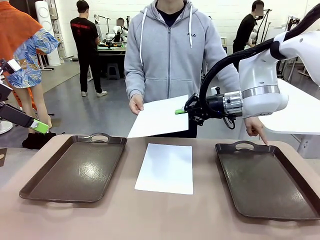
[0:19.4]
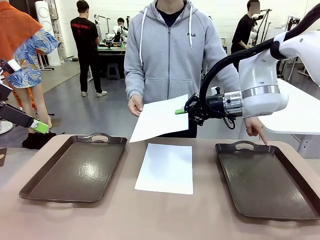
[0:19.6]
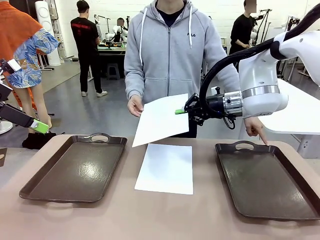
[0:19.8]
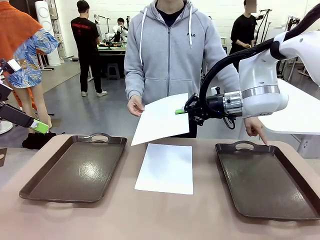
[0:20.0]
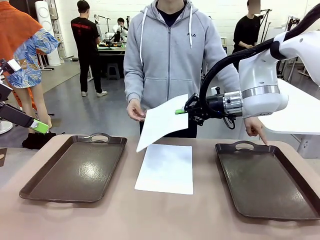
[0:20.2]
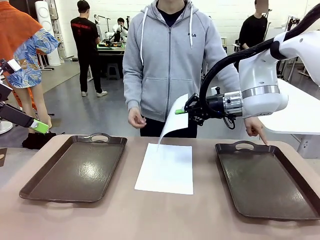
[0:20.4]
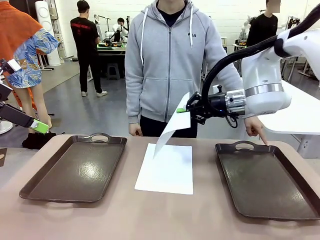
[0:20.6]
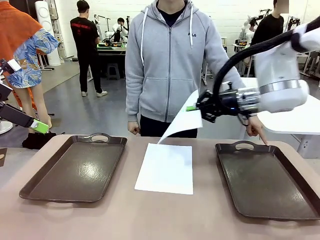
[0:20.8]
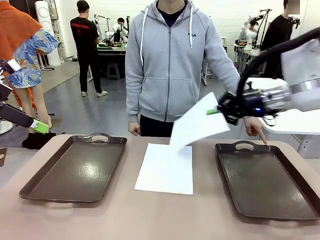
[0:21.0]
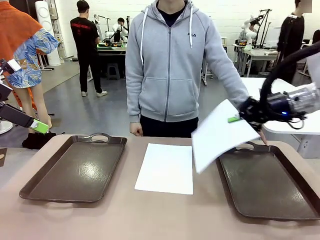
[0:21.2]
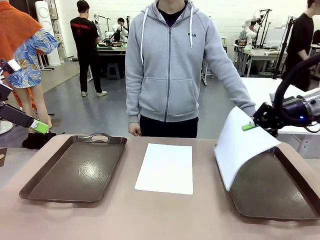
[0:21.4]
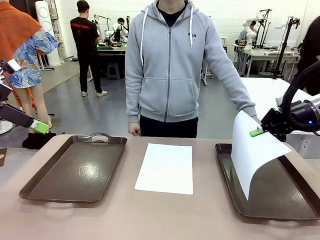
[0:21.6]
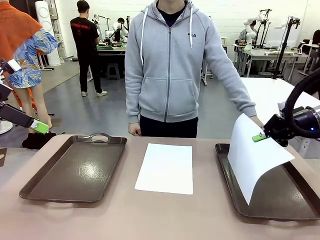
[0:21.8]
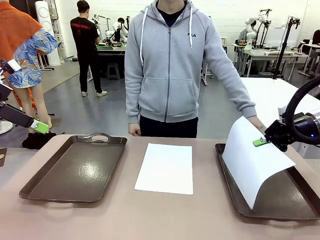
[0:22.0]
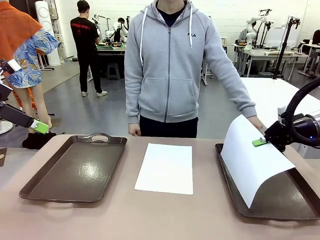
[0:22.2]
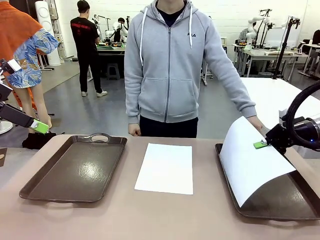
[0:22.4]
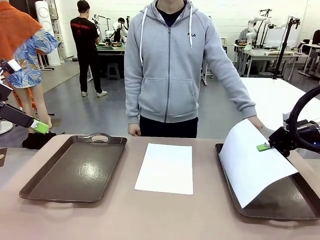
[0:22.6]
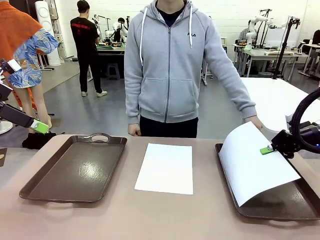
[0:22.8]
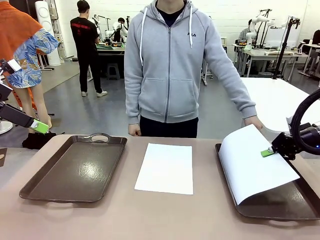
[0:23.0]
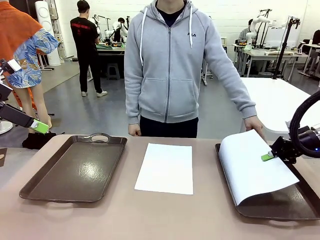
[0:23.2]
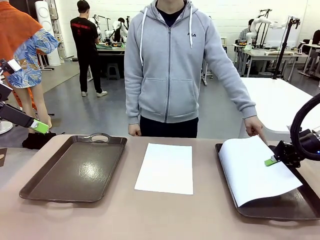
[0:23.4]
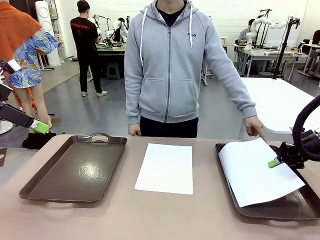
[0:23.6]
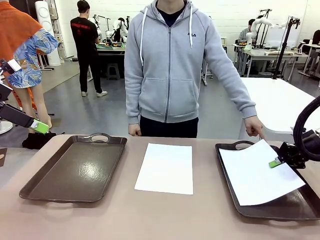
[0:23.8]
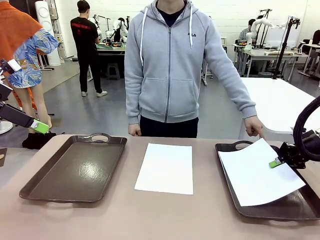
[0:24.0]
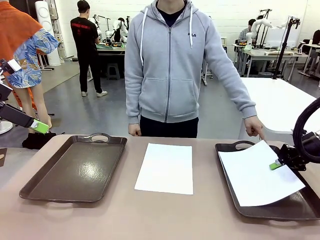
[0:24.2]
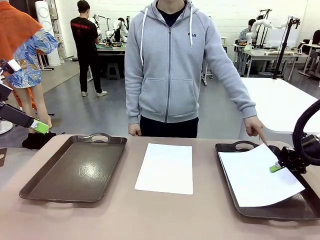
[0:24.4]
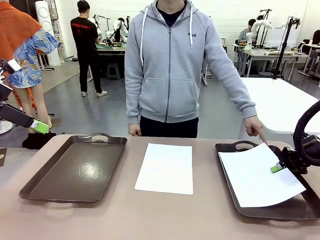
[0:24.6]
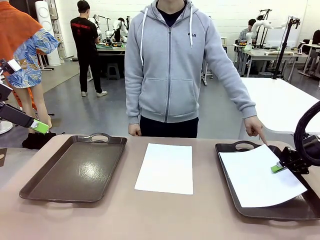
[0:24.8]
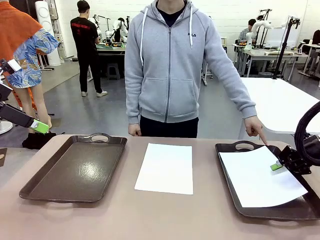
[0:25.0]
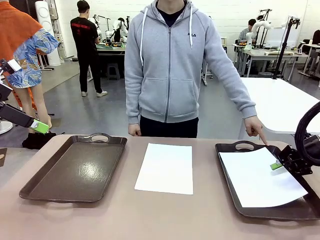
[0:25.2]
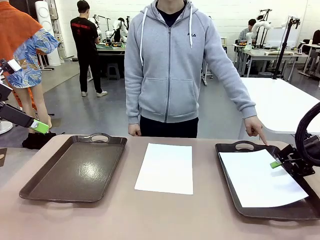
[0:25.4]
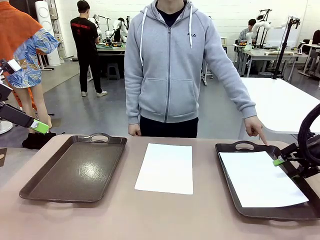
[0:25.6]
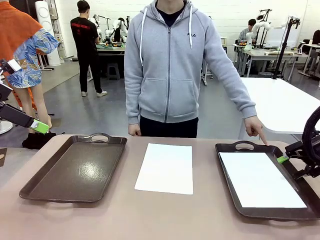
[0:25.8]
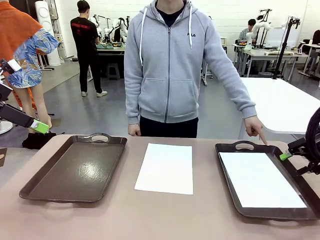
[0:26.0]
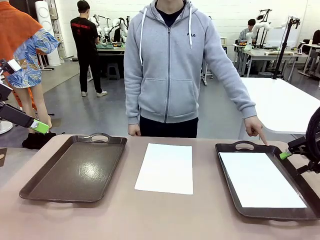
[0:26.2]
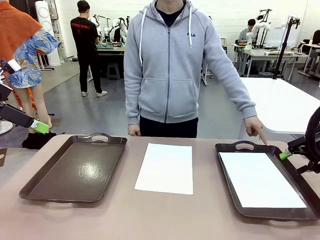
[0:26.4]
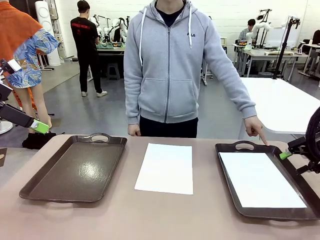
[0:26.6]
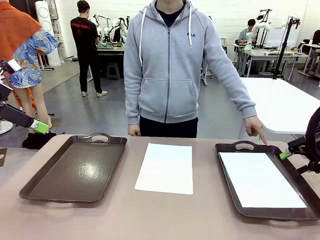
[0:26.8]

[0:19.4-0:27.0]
Task: Sort the A4 documents.
Robot: Place the A4 Paper in the designated Handle tray.

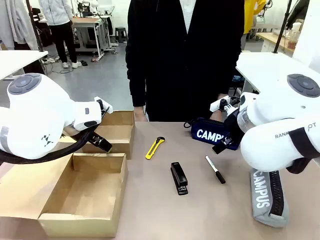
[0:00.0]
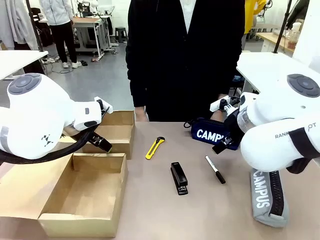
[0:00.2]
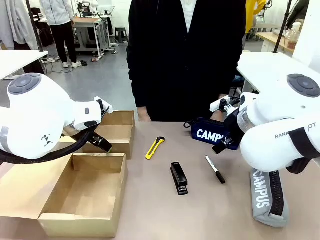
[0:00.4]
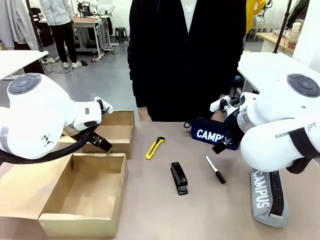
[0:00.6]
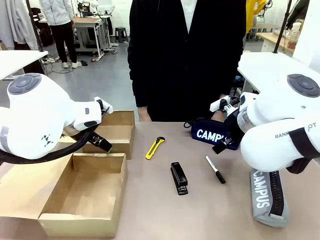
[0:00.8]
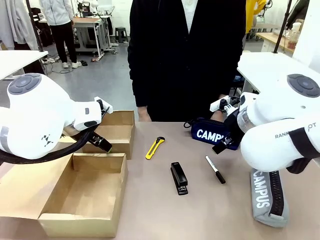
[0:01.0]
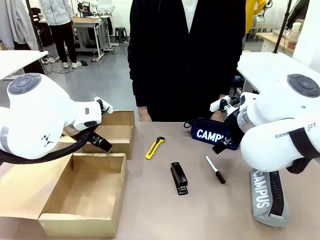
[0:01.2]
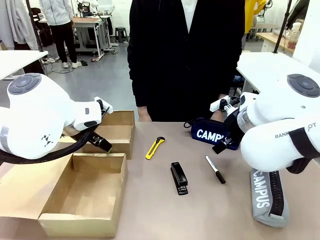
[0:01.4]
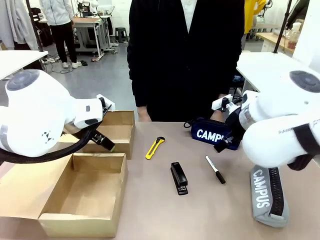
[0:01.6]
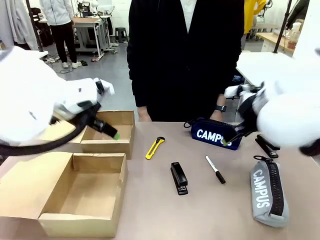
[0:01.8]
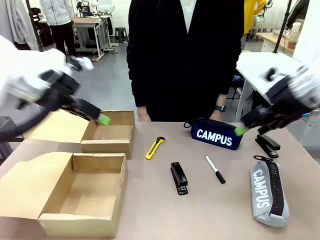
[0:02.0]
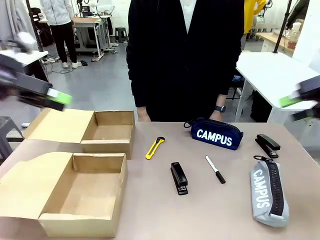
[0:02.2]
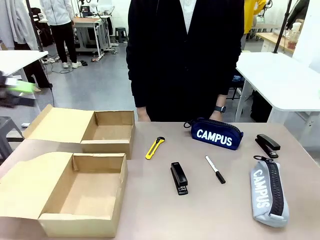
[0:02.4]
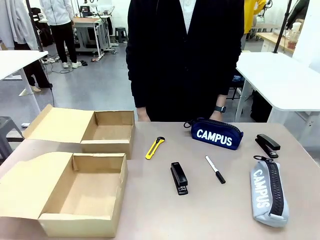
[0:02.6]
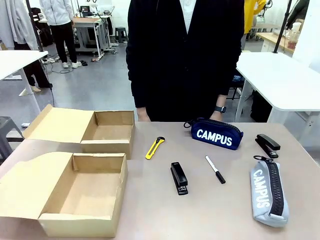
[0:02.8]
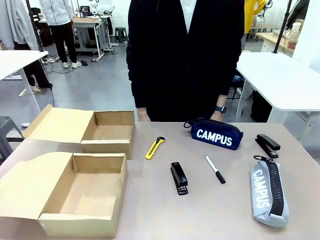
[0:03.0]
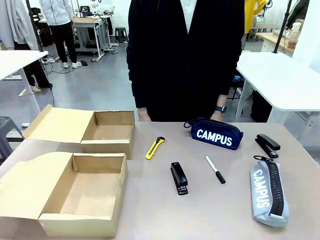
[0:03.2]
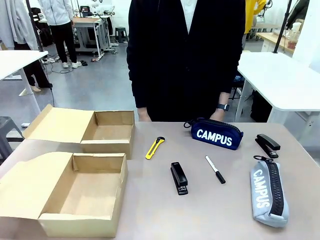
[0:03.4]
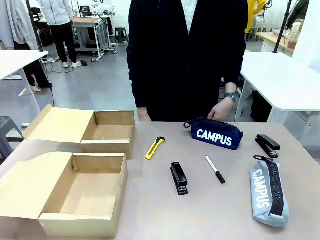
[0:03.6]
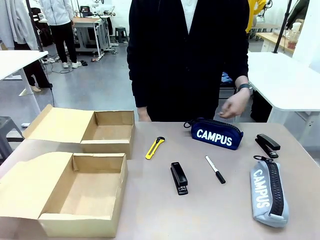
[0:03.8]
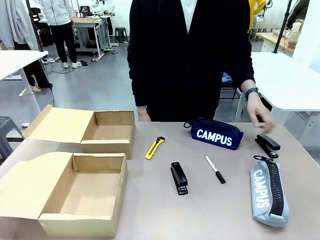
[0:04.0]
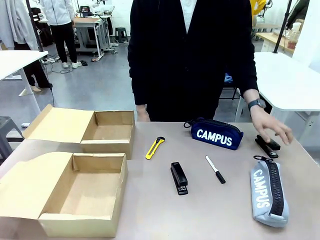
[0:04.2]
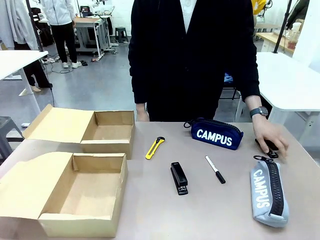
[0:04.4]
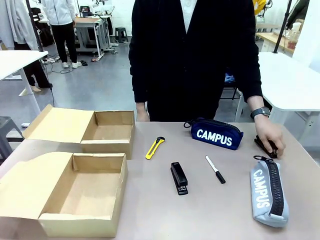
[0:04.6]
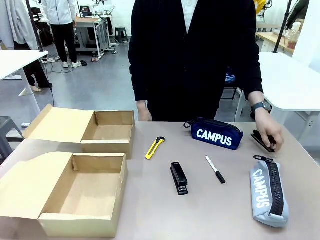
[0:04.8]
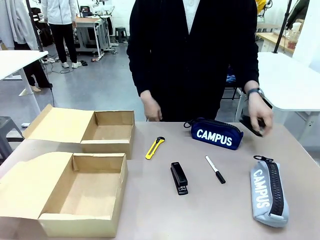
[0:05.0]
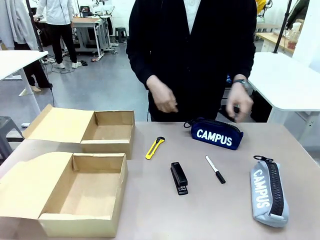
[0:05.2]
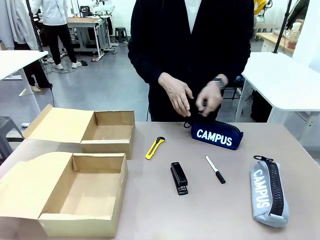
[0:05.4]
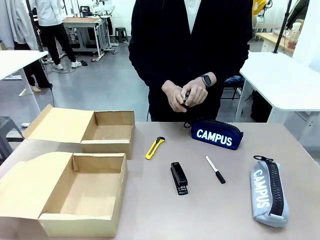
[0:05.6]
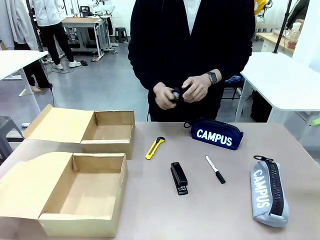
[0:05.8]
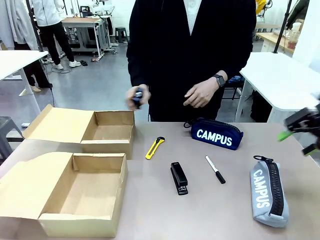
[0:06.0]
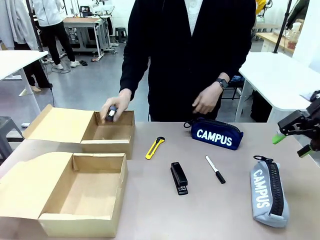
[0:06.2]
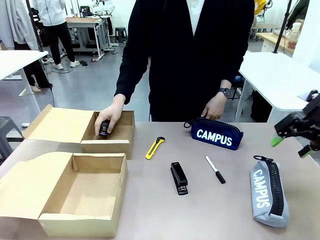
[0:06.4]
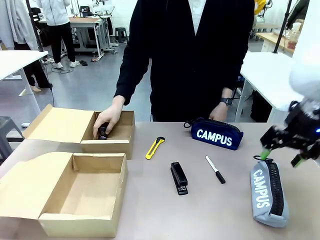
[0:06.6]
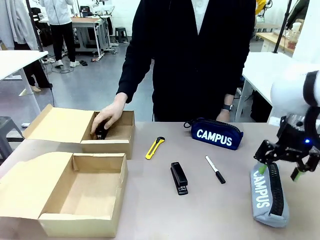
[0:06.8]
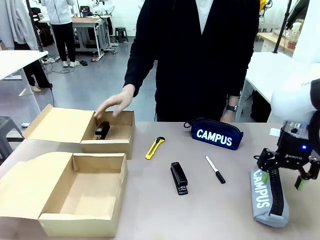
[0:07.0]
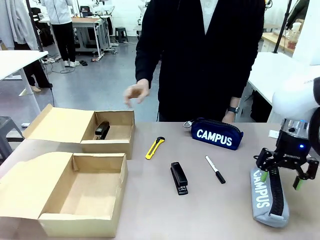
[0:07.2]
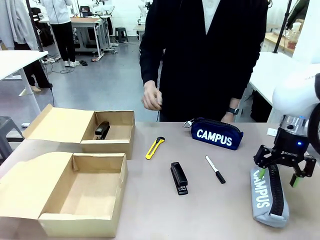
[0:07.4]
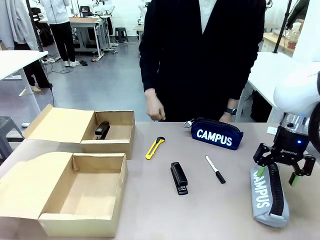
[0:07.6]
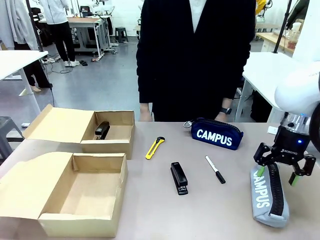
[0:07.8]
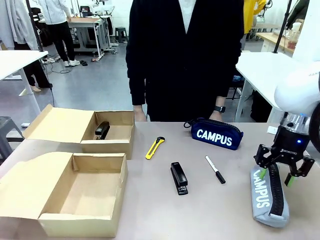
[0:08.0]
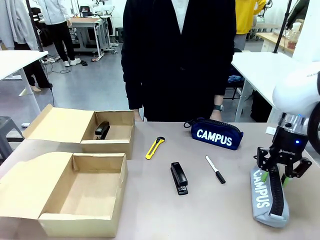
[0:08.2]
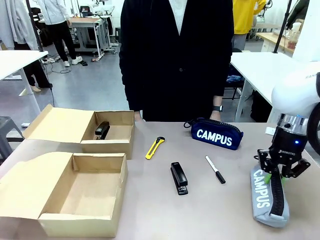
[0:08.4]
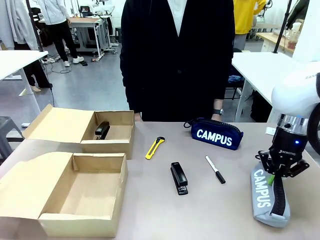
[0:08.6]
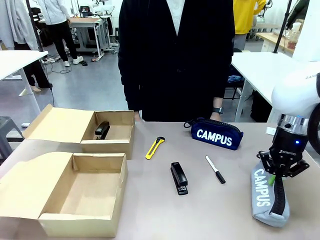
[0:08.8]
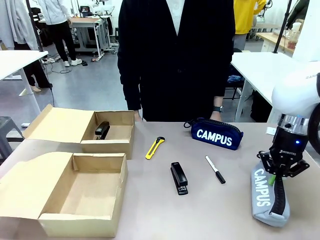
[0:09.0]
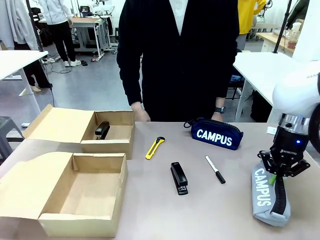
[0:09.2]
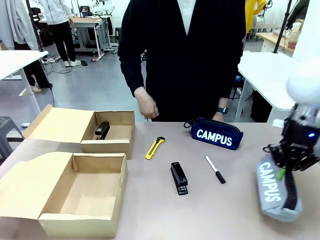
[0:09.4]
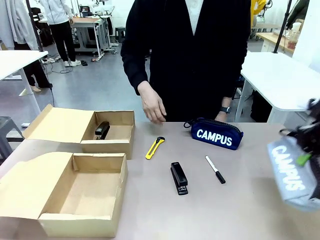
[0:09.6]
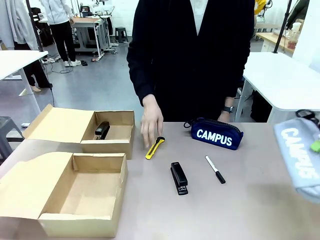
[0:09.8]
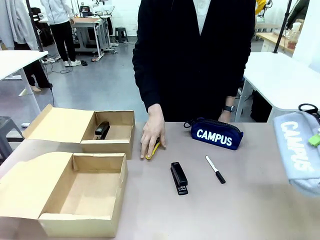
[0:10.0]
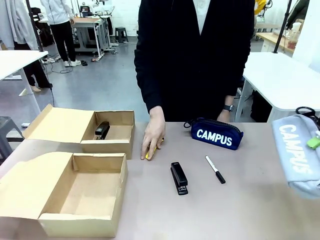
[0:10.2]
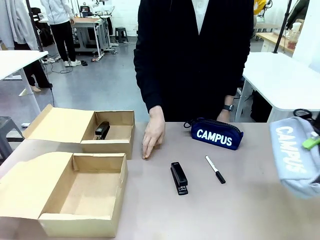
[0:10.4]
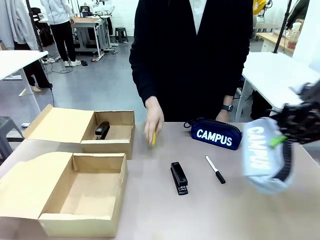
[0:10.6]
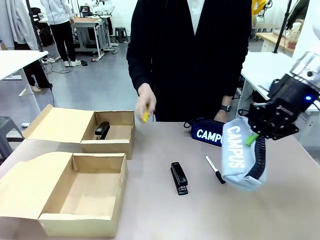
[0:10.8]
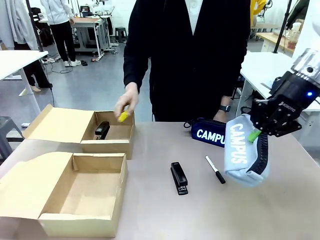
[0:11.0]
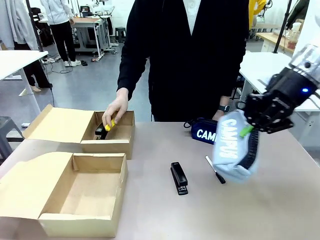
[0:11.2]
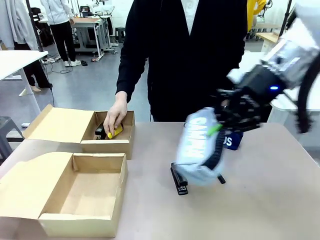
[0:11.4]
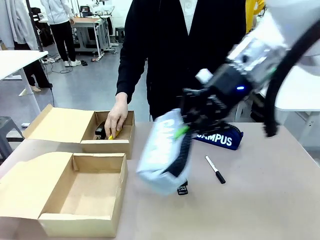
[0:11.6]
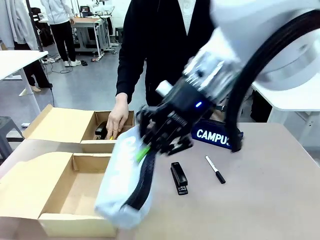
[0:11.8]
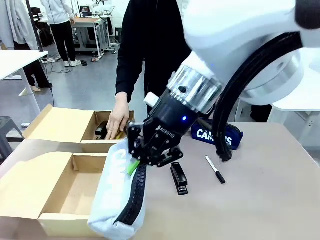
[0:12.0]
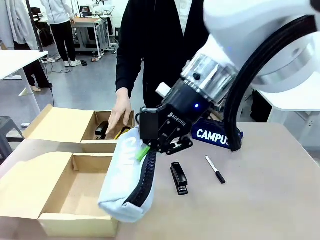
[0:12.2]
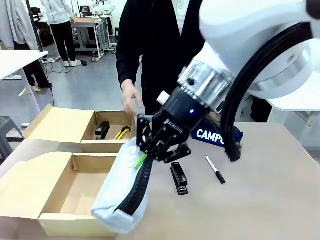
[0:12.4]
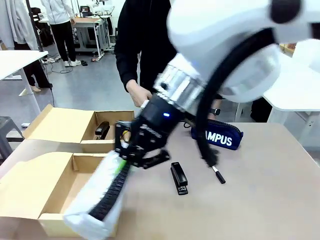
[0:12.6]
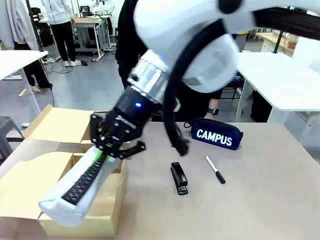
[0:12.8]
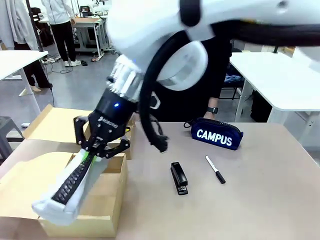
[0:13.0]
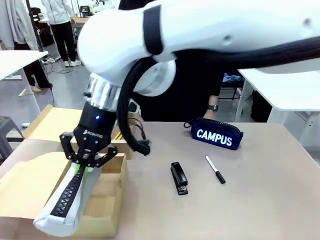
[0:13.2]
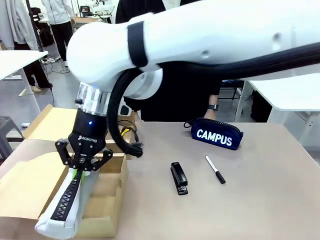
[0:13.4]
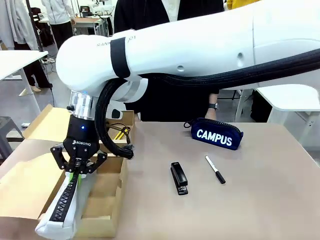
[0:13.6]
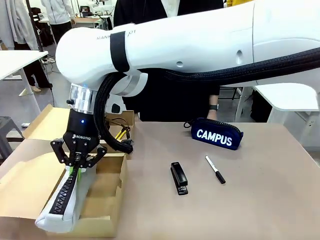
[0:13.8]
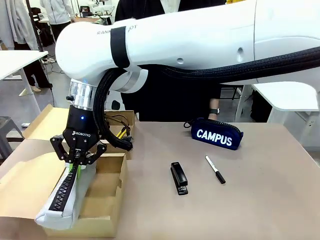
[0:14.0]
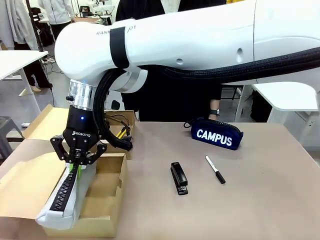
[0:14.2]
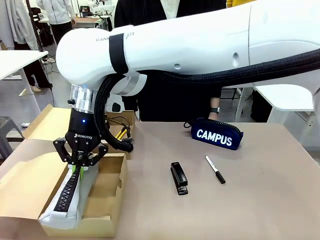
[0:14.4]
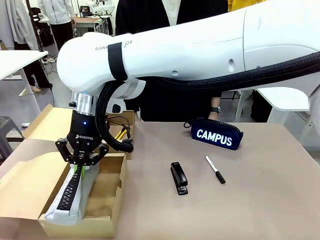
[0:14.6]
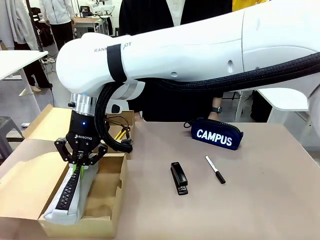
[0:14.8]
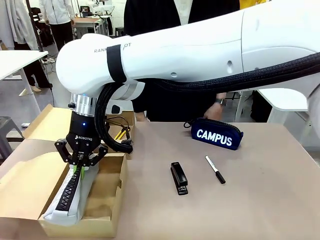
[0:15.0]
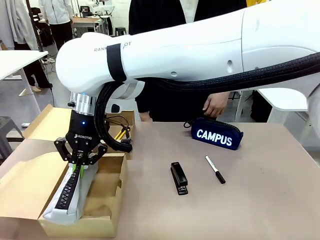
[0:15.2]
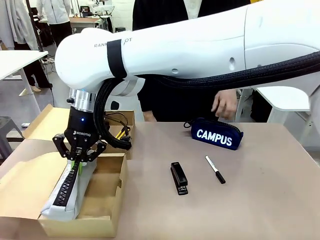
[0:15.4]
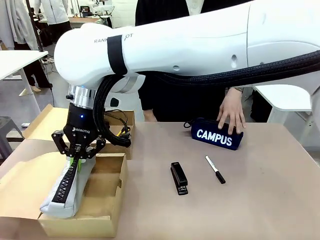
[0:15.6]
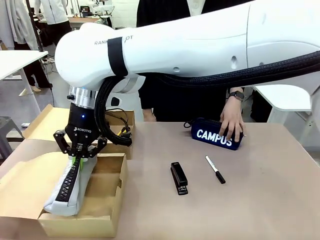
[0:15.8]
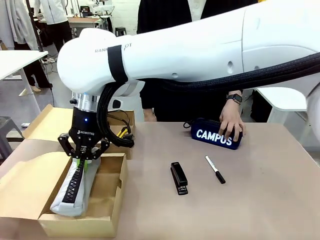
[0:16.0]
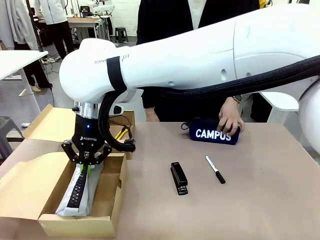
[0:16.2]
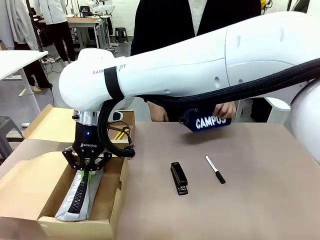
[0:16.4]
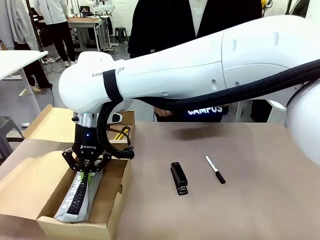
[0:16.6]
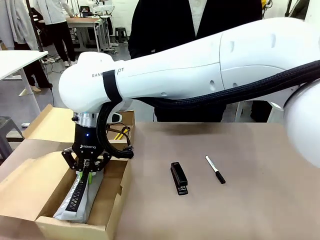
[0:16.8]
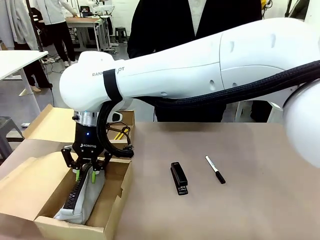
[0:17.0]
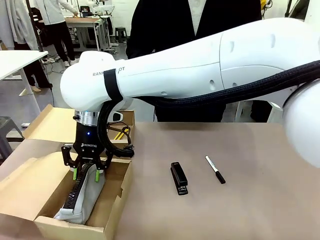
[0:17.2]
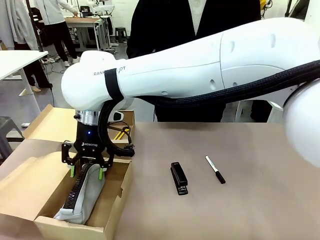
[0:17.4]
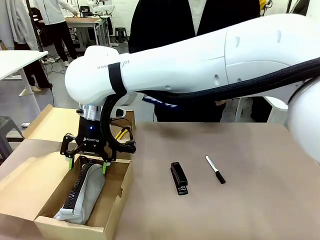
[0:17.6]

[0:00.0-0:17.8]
Task: Place items inside the box.
Robot: Pick up a Pencil pouch or Stapler and place it inside the Mailer Box closest to the robot.
Person: Pick up an object on the table and put it in the box.
